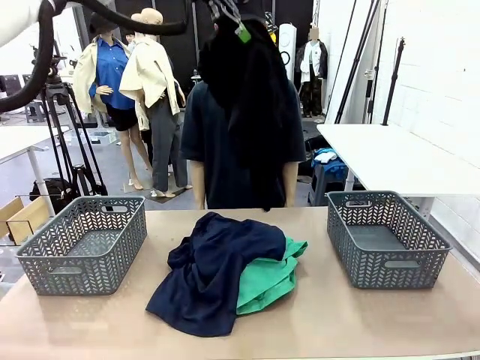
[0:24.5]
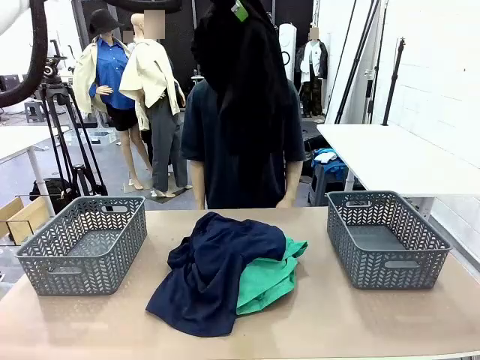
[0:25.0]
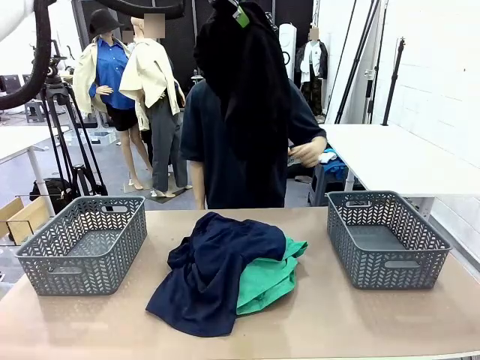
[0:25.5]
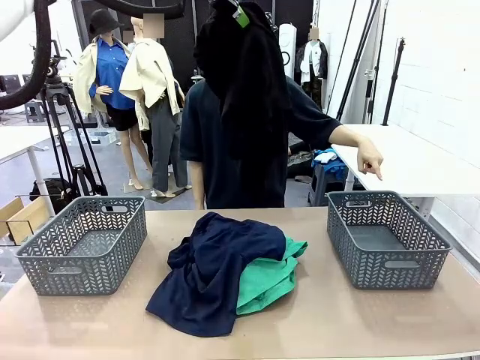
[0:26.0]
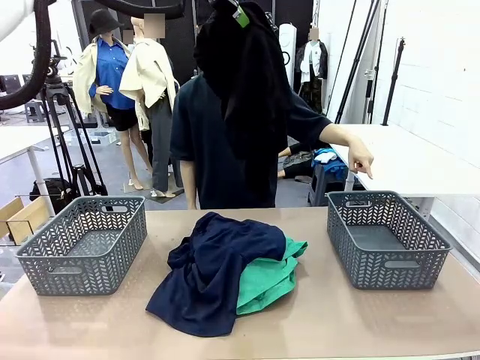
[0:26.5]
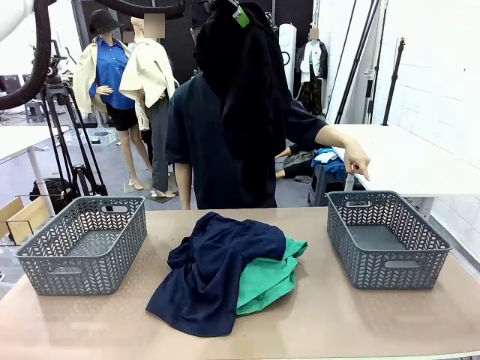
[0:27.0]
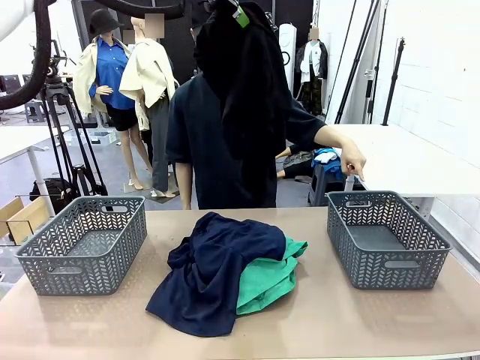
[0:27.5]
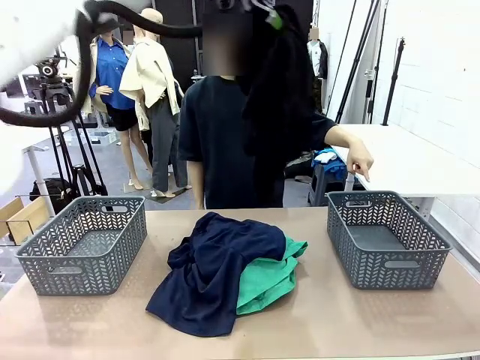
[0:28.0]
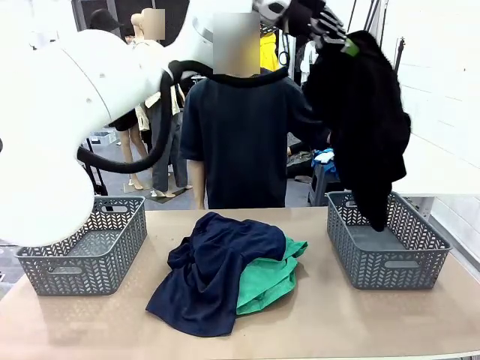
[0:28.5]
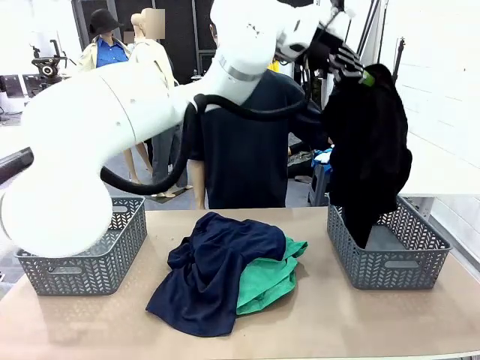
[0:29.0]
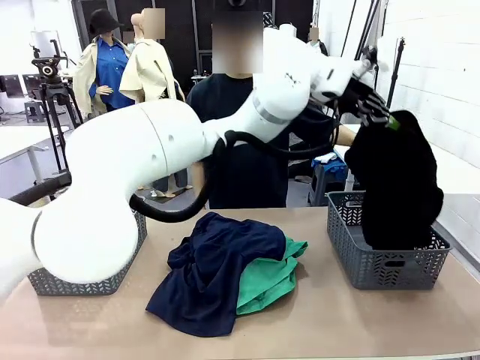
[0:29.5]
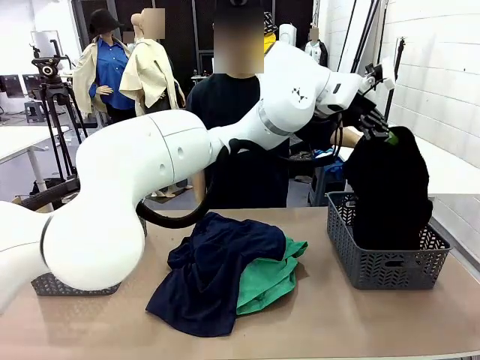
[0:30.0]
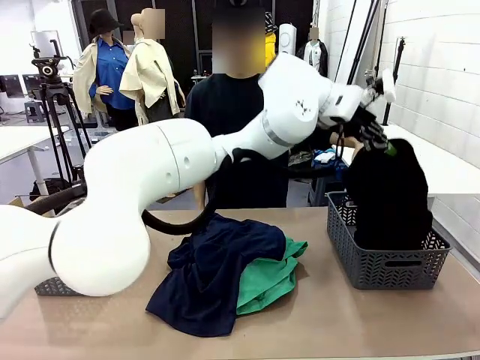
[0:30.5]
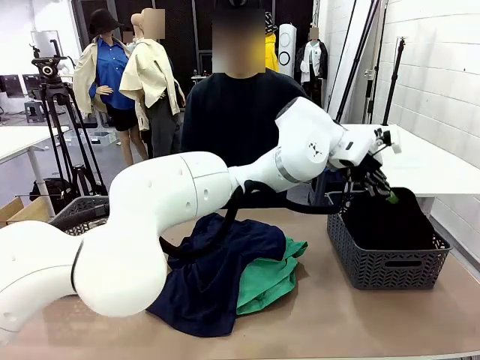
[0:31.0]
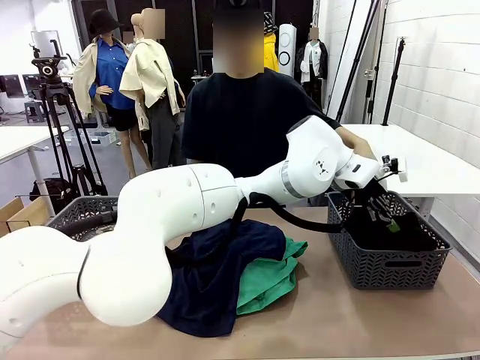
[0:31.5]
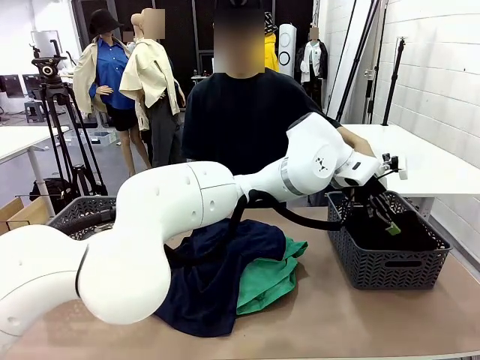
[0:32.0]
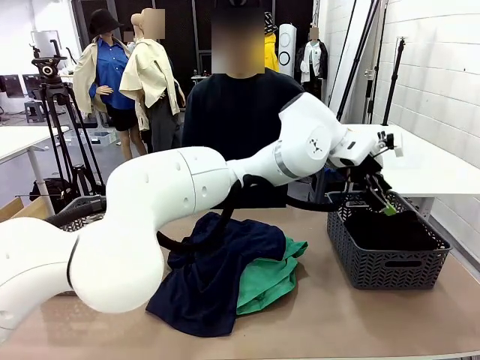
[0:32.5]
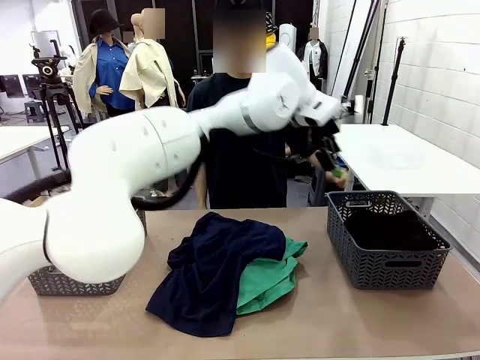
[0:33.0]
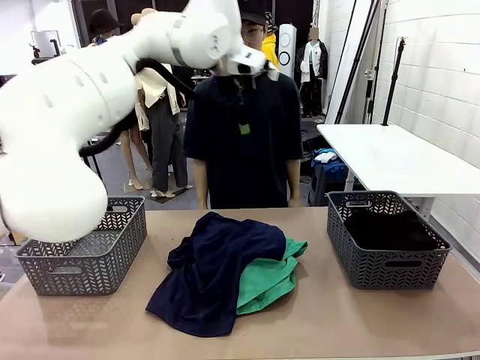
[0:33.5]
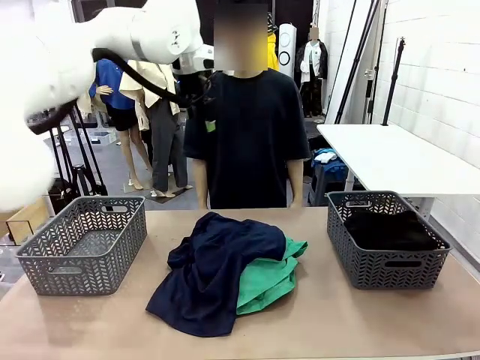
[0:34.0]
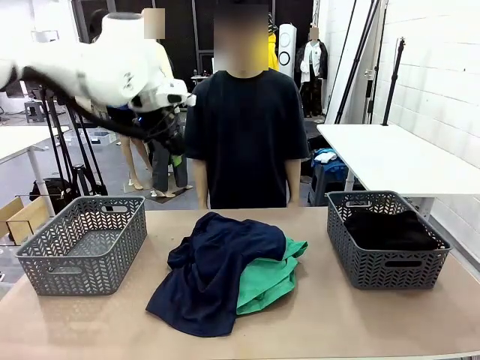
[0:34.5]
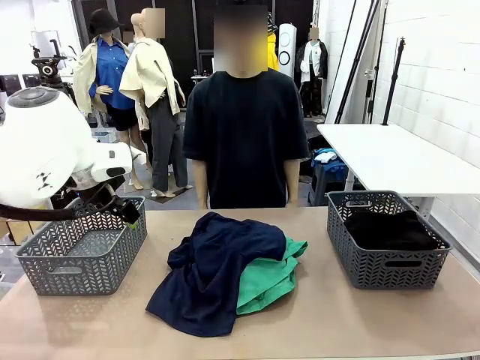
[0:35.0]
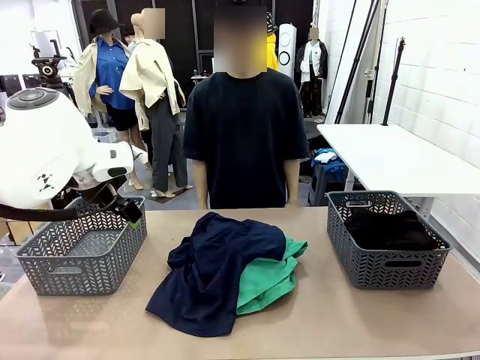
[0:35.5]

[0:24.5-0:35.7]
Task: Sort the tops and bottoms.
Robot: Sort the clothes according to human instructions.

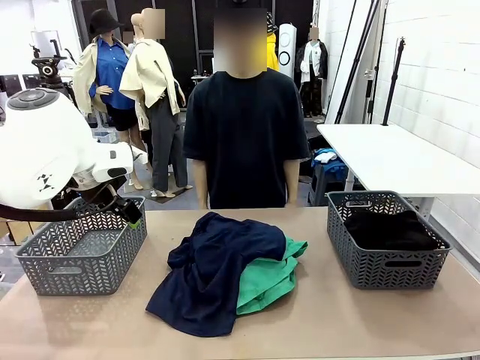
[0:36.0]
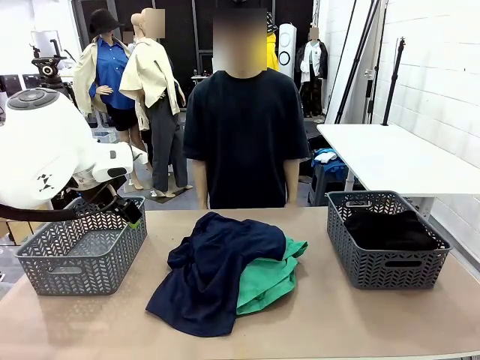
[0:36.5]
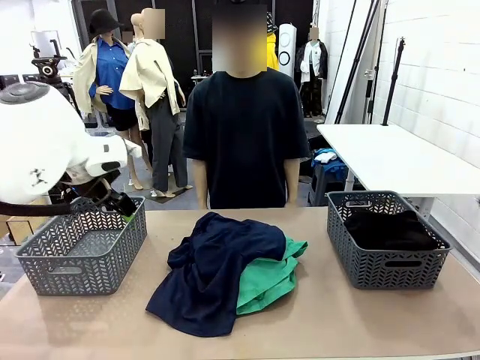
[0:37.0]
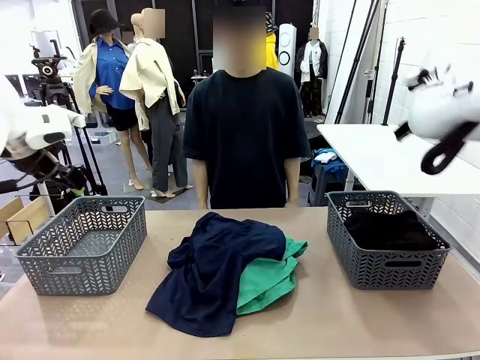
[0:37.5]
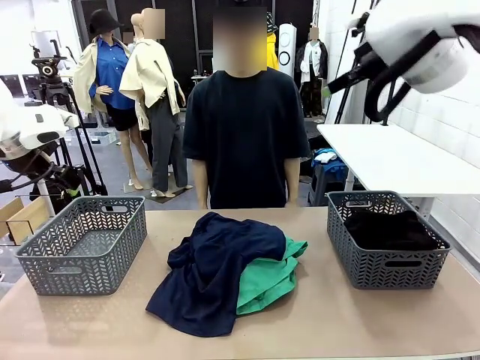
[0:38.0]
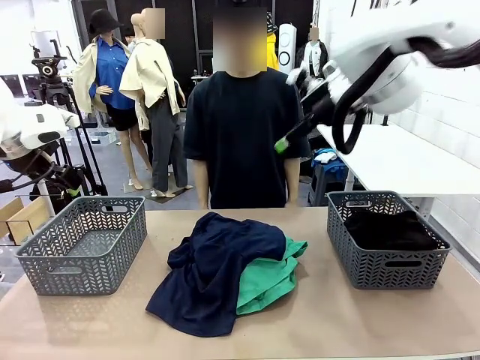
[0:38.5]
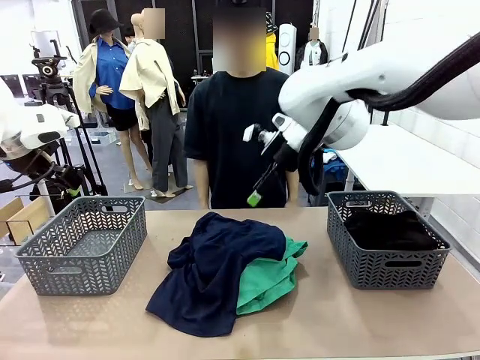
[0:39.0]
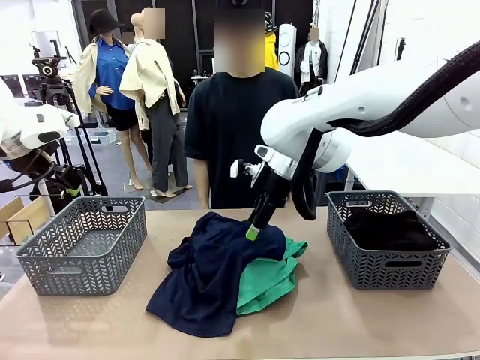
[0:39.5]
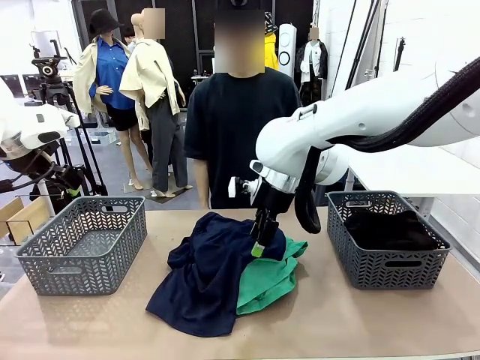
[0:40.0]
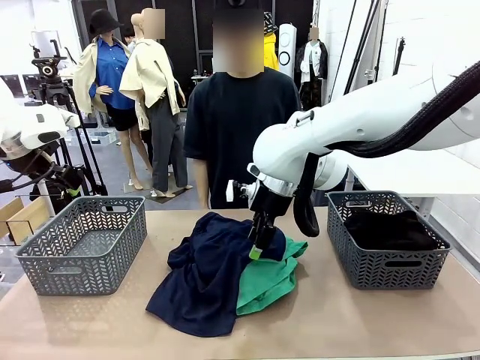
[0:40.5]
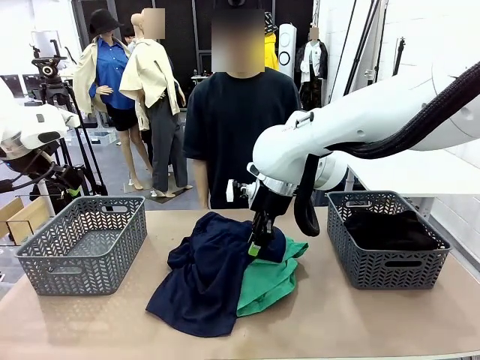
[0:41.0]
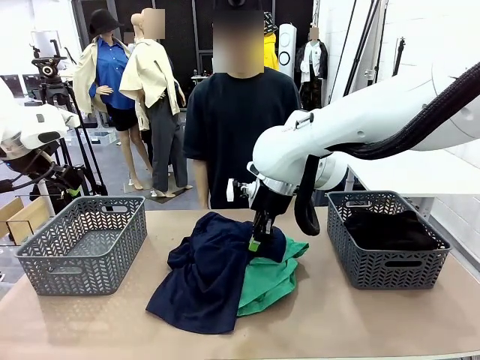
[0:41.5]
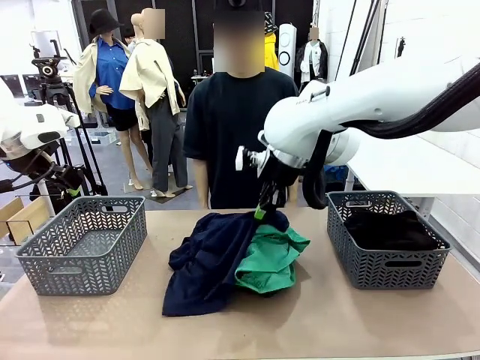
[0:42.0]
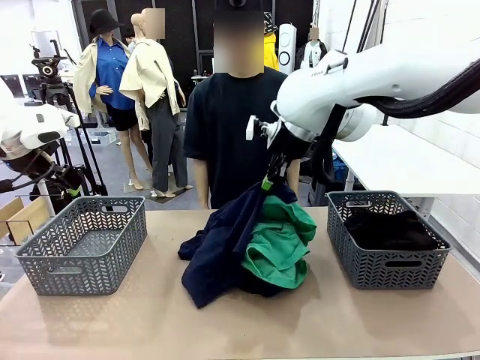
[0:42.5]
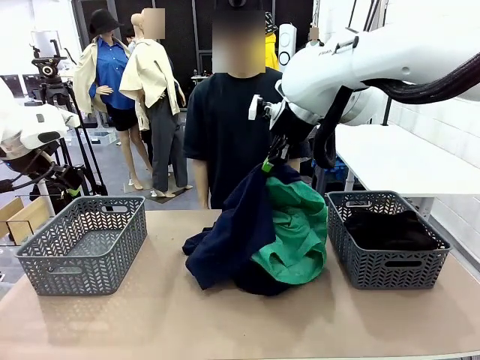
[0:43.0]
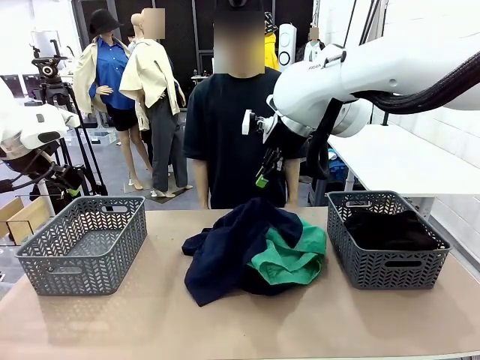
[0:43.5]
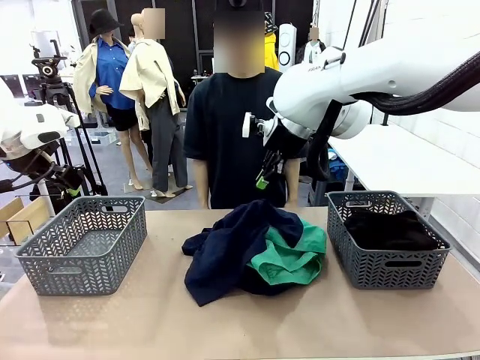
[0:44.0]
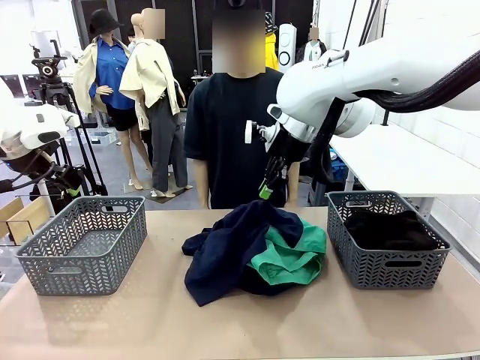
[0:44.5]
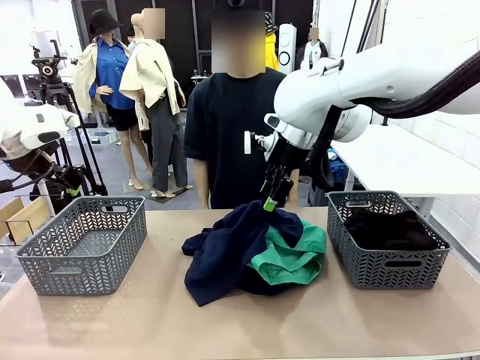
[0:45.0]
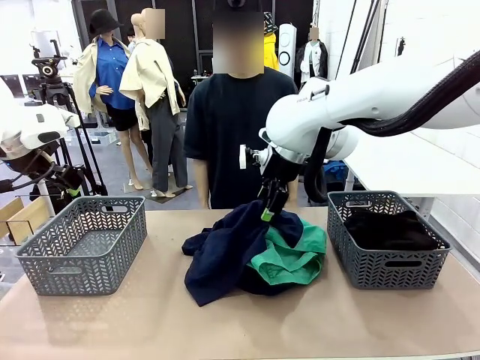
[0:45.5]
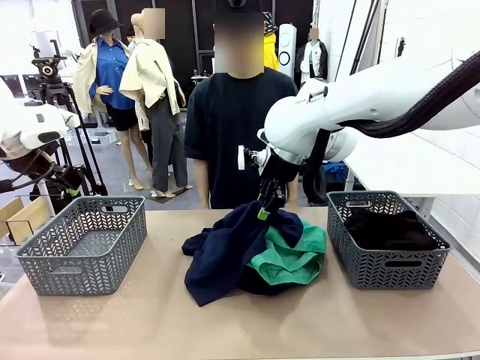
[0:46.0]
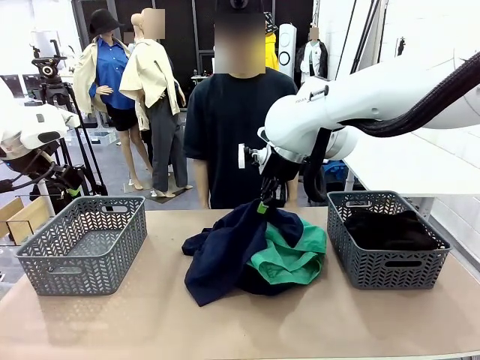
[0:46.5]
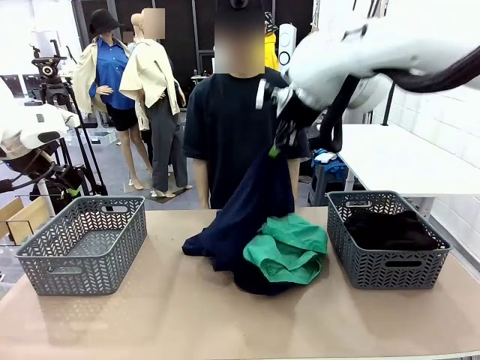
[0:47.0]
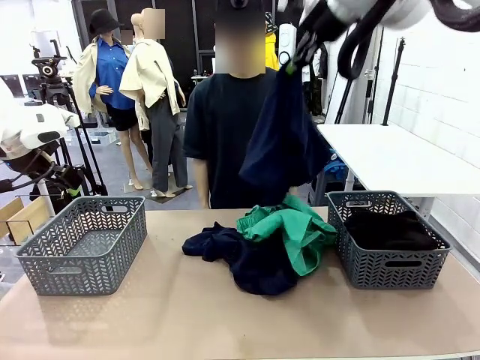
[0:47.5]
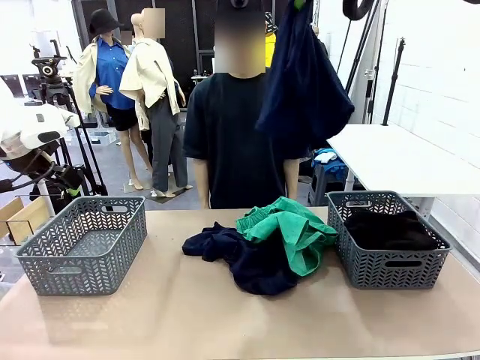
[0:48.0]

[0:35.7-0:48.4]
Robot: Lift clothes from the center of the table with your right hand.

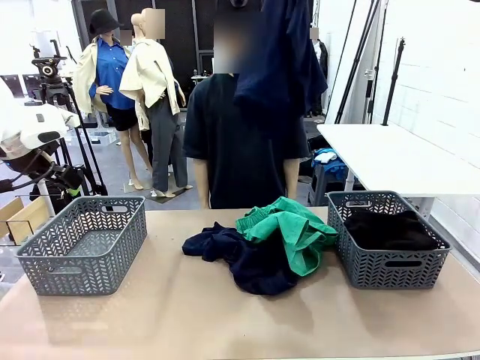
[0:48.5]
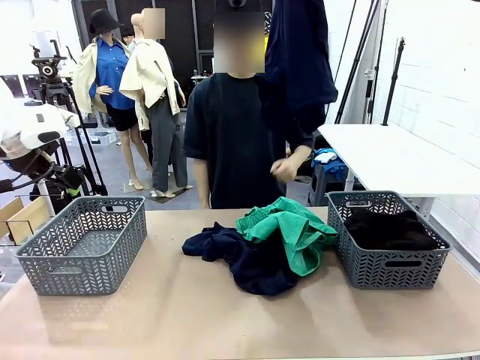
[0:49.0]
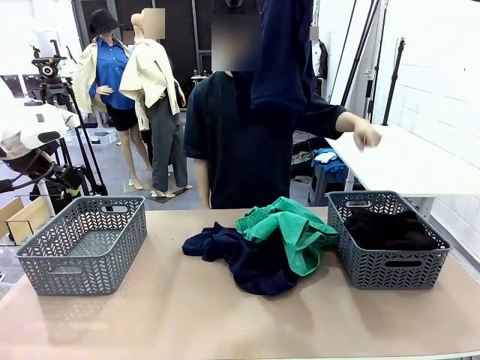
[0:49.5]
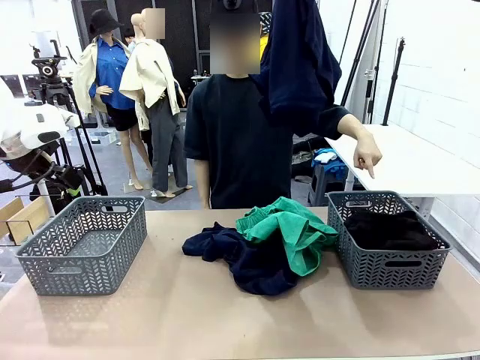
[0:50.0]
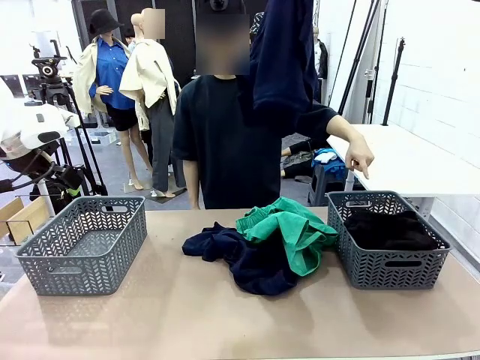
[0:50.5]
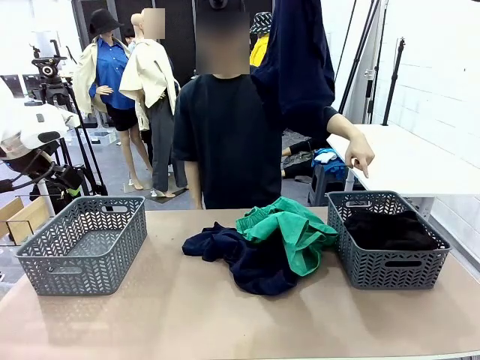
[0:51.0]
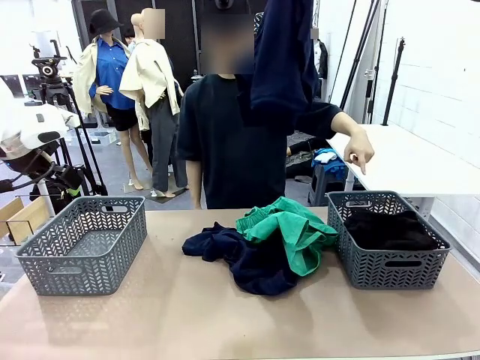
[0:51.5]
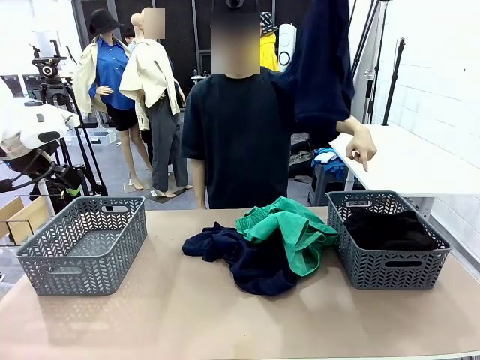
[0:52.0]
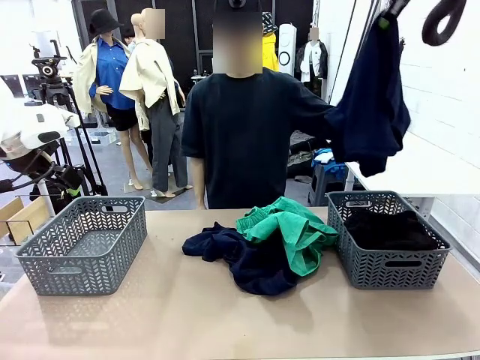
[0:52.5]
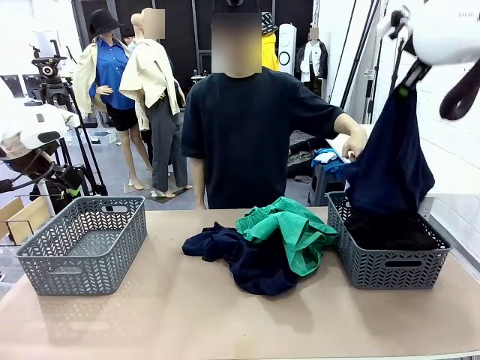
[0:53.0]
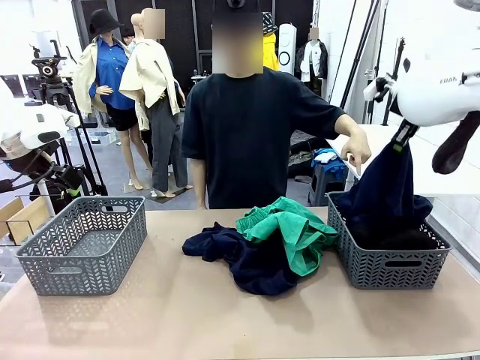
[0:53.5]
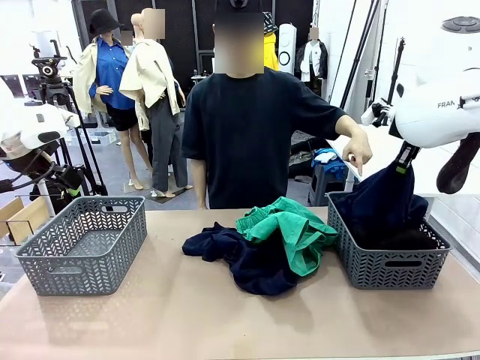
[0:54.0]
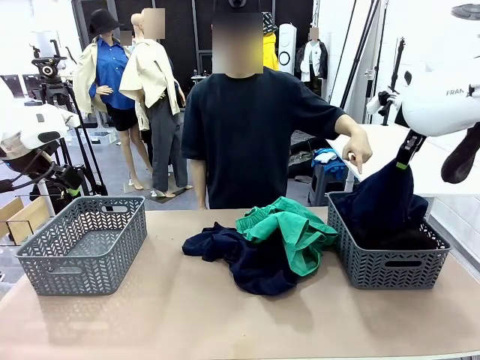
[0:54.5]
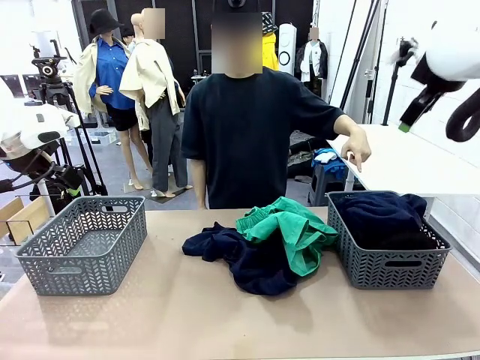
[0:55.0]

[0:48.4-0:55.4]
Robot: Sort the clothes according to human instructions.
